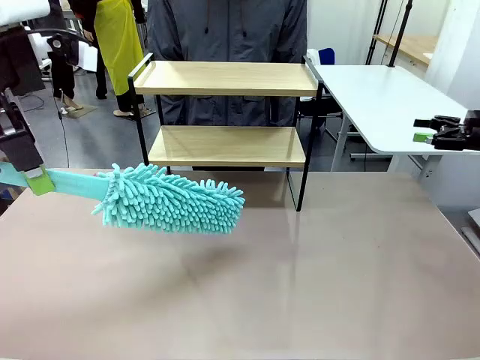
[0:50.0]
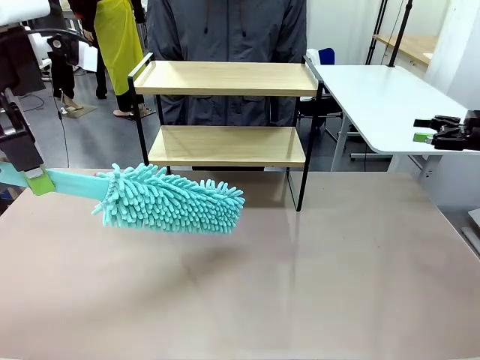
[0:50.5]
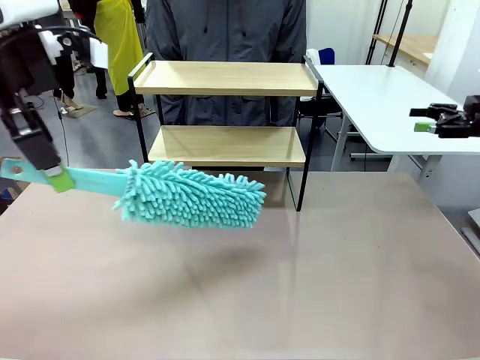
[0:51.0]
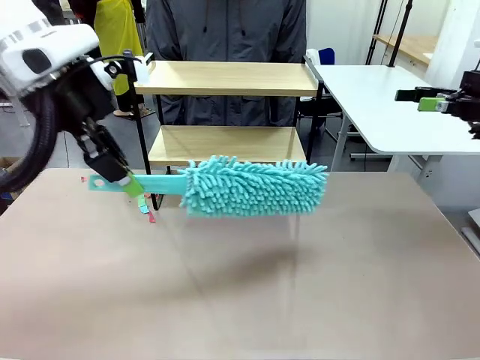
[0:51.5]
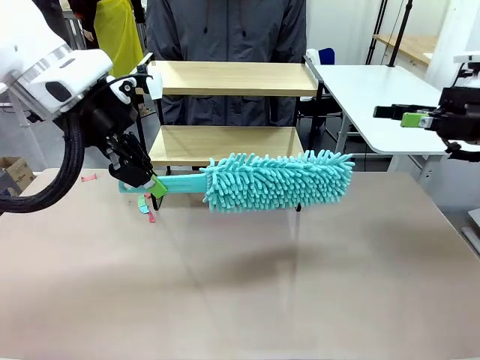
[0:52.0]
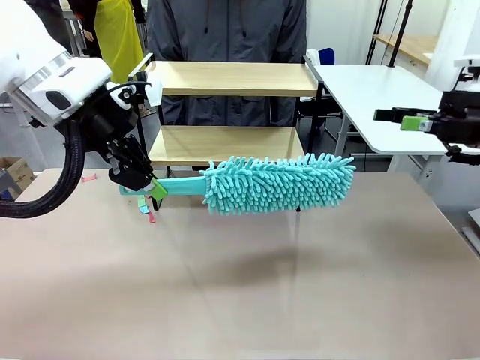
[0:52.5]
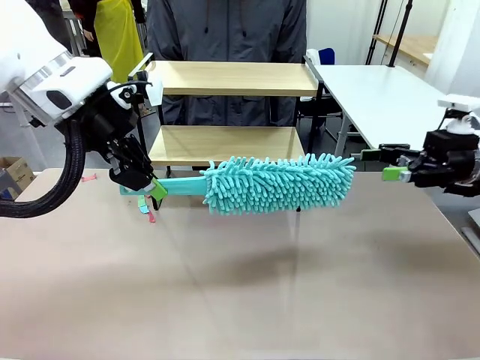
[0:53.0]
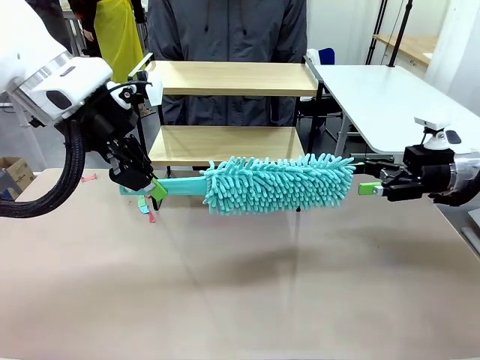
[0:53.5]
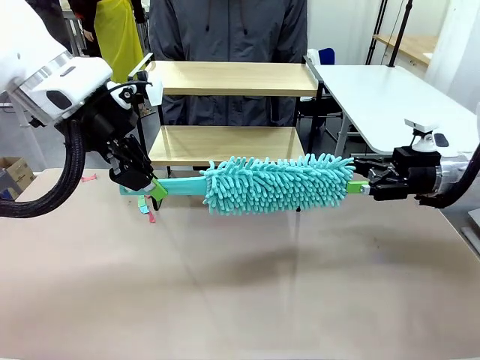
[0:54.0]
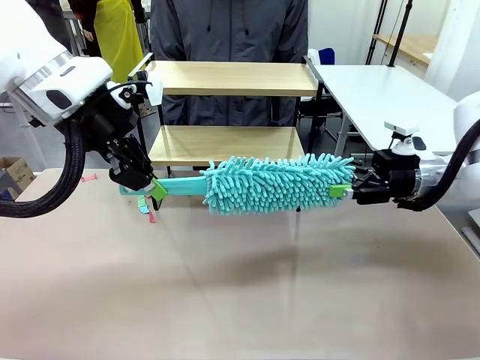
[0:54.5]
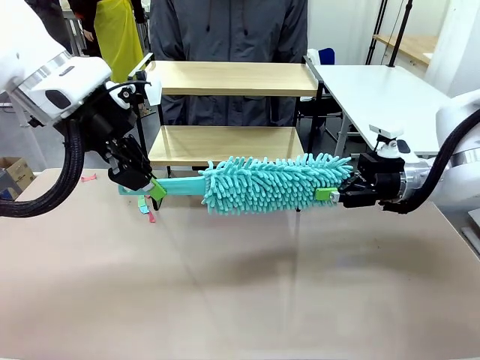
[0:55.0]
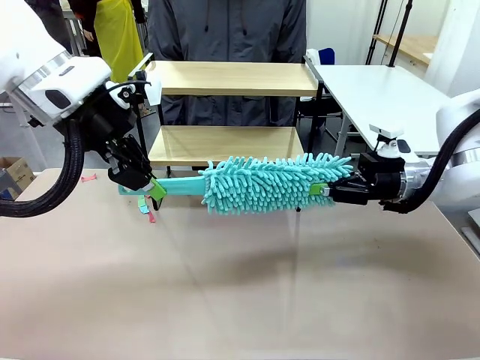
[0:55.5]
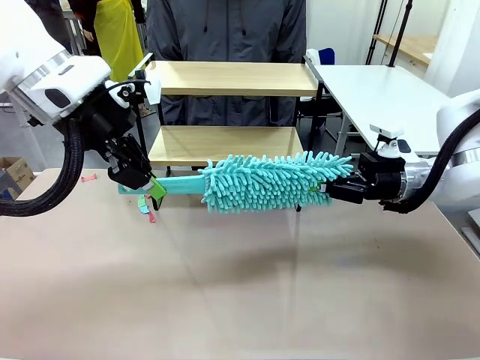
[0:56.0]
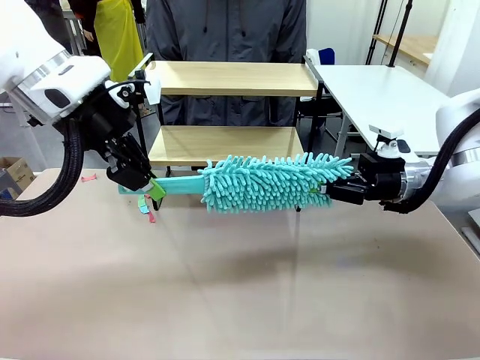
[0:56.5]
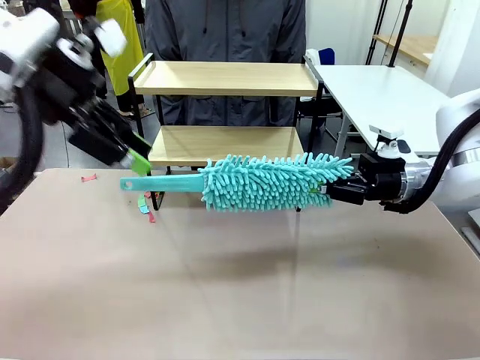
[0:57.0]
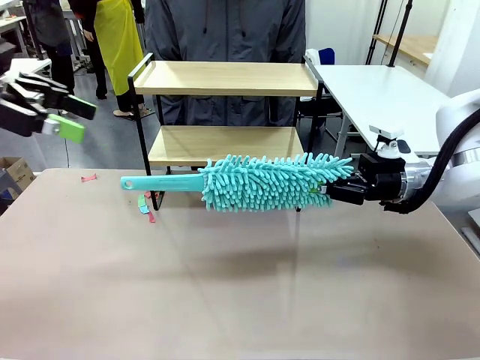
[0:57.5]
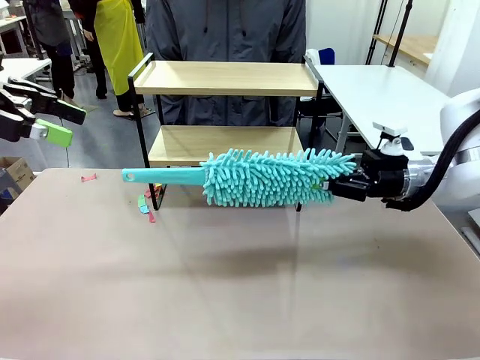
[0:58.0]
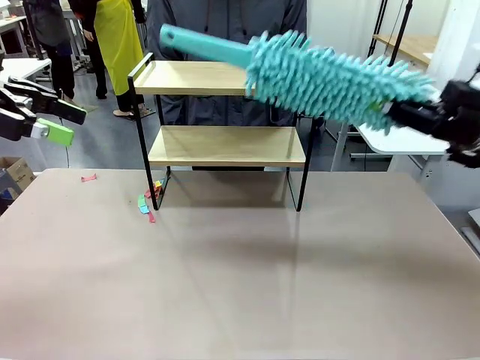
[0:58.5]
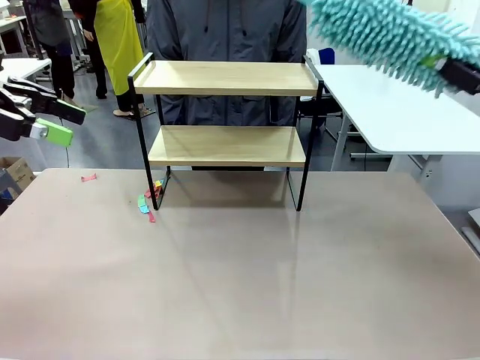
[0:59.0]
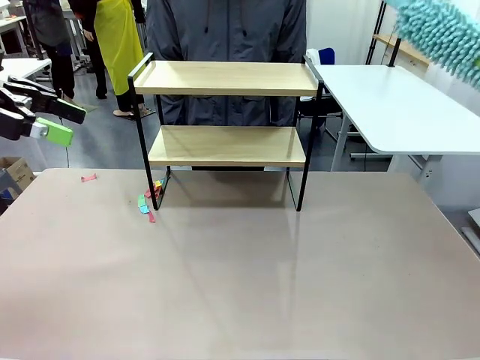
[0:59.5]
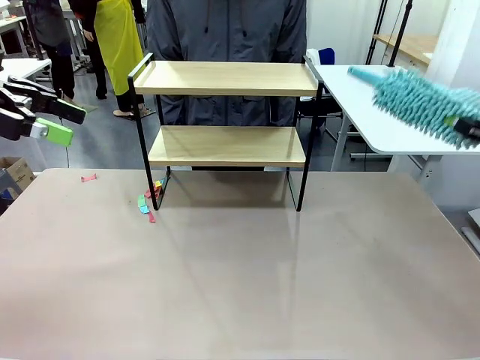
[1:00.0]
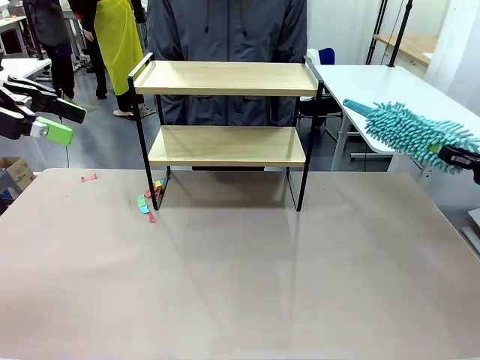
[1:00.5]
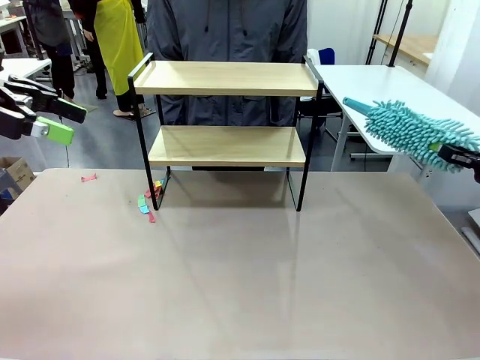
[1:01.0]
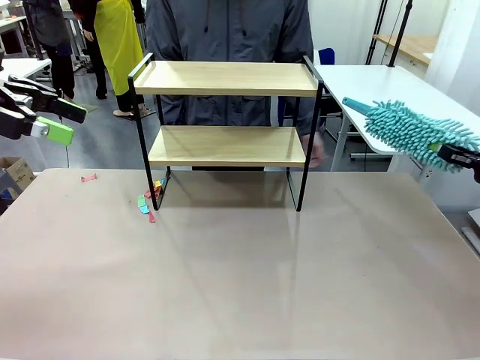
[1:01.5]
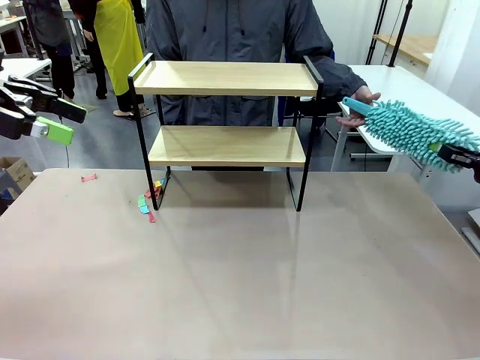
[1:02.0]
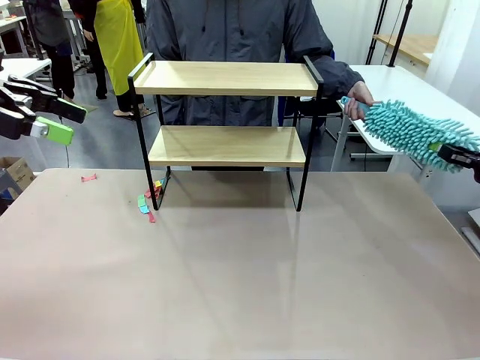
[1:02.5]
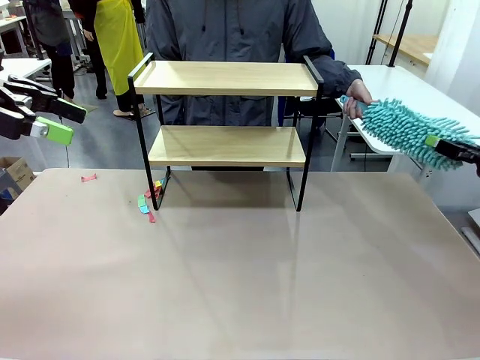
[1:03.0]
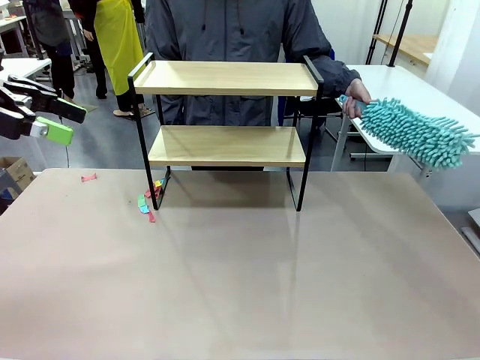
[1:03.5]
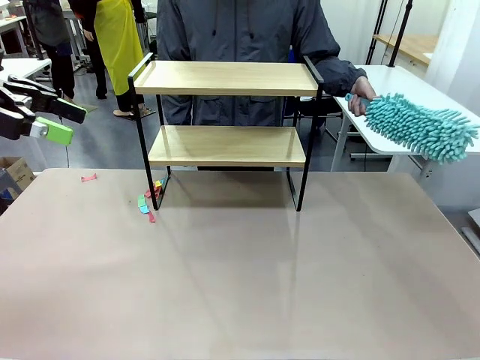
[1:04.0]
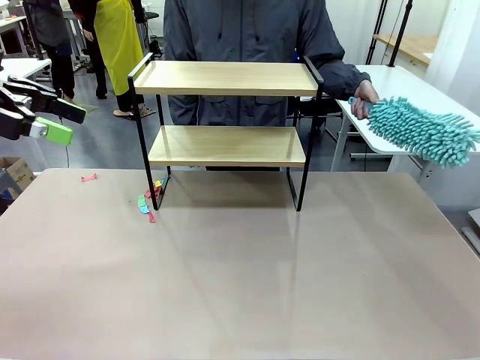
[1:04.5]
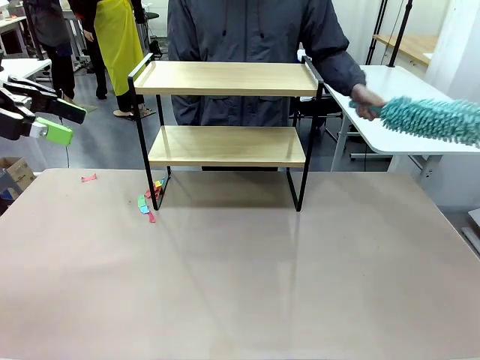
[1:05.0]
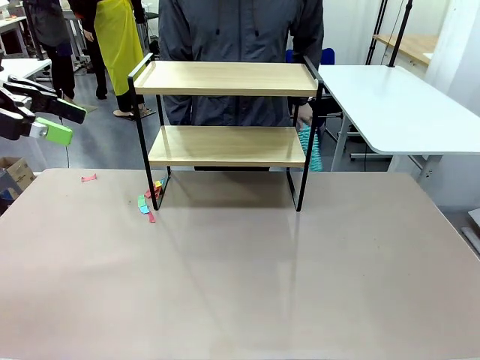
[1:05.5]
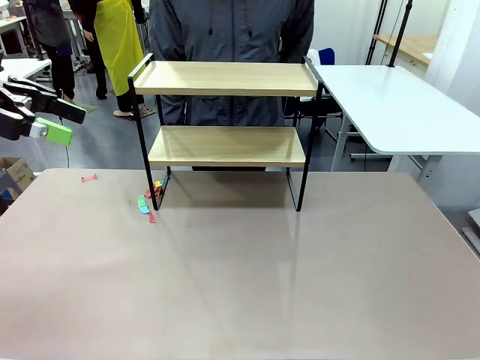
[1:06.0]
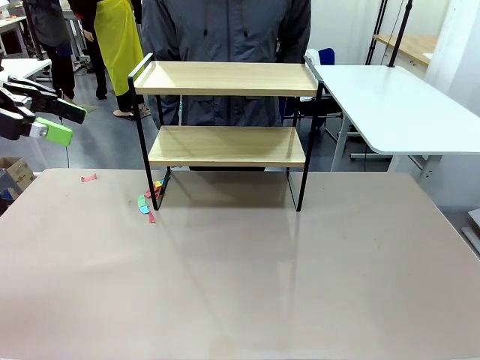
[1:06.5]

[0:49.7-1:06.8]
Task: Clean the shelf.
Robot: Hand the Duster back to the human.
Person: Receive the Duster from the robot.

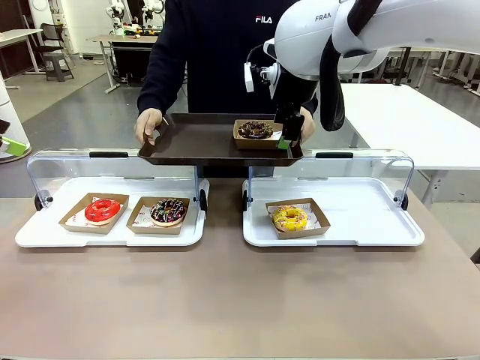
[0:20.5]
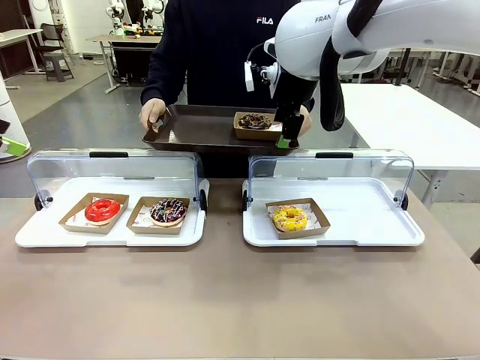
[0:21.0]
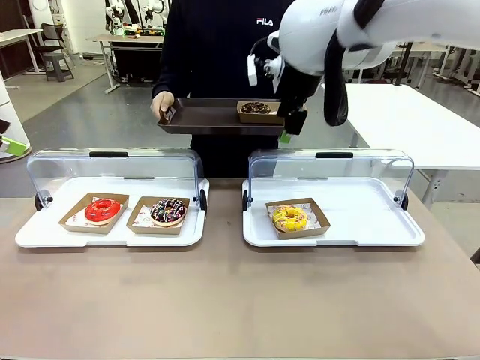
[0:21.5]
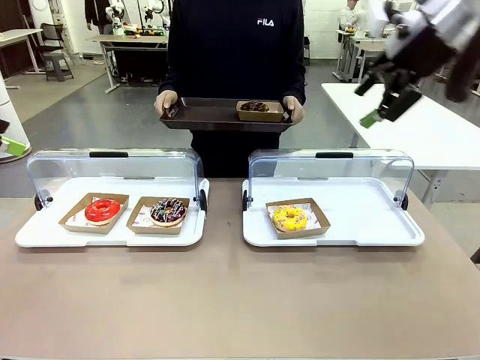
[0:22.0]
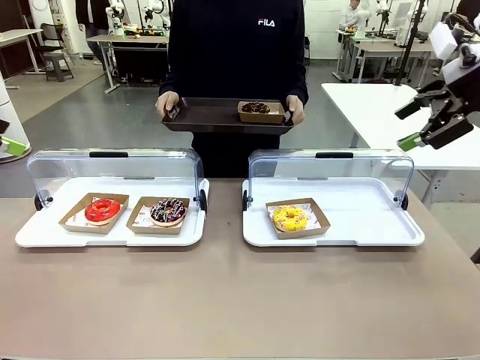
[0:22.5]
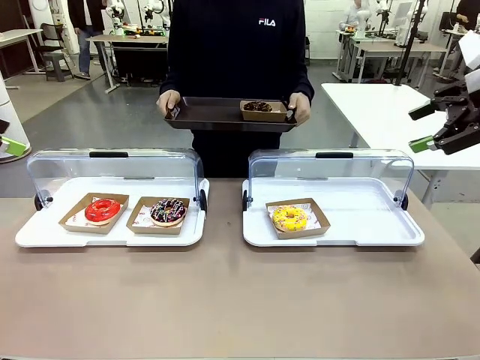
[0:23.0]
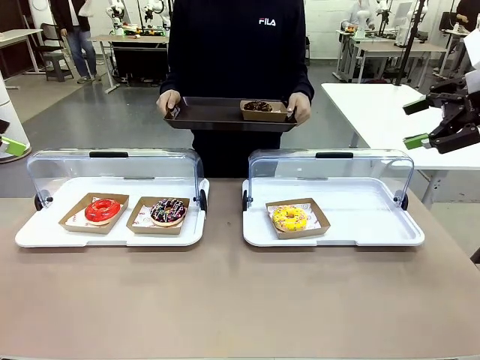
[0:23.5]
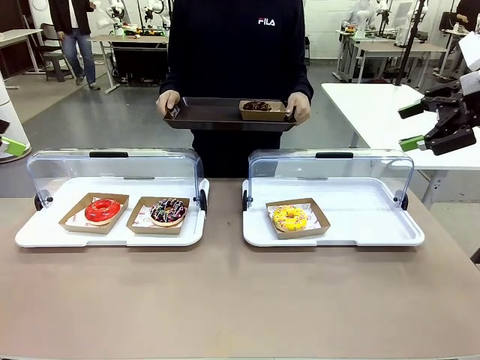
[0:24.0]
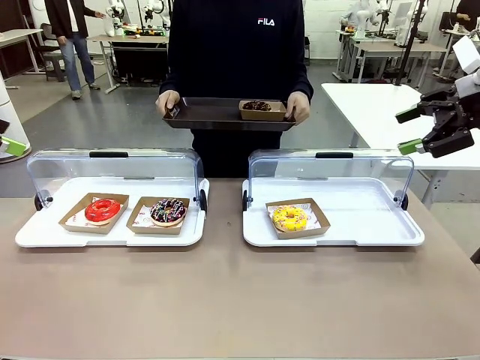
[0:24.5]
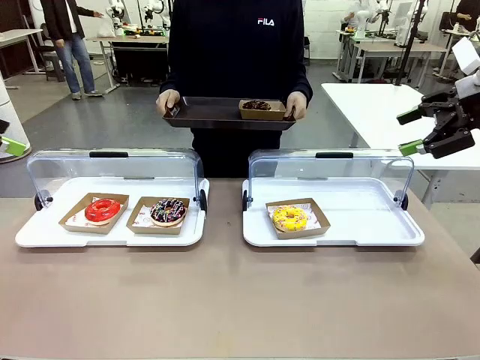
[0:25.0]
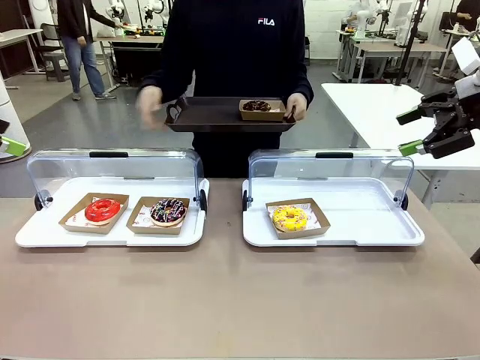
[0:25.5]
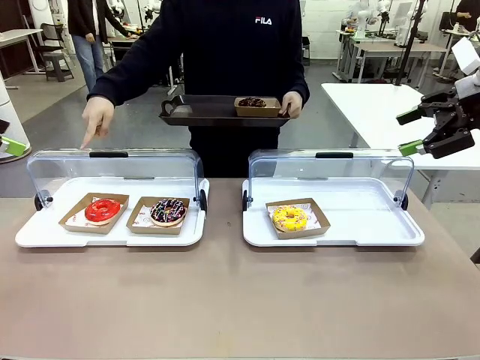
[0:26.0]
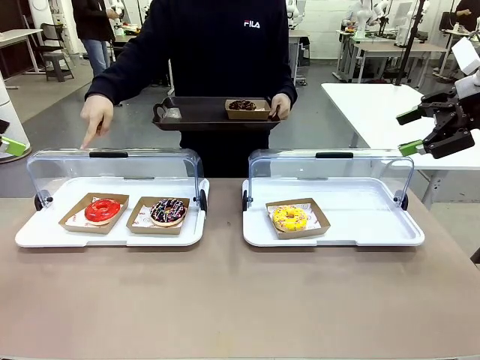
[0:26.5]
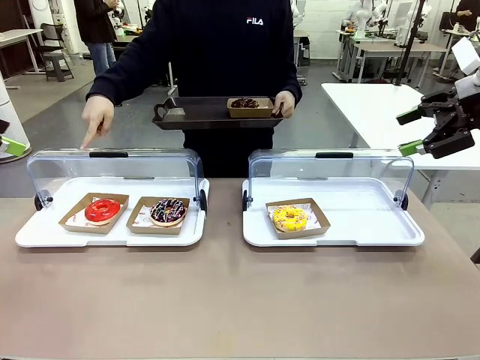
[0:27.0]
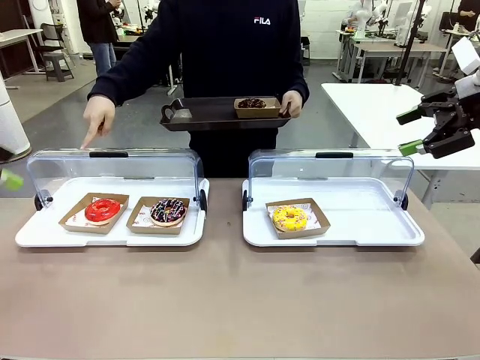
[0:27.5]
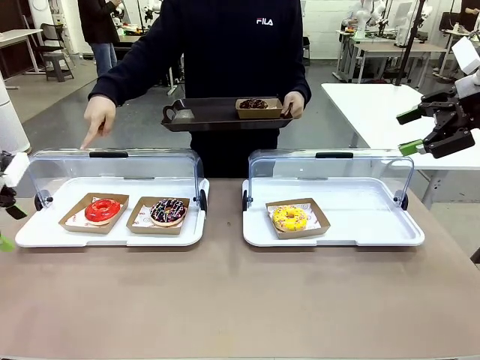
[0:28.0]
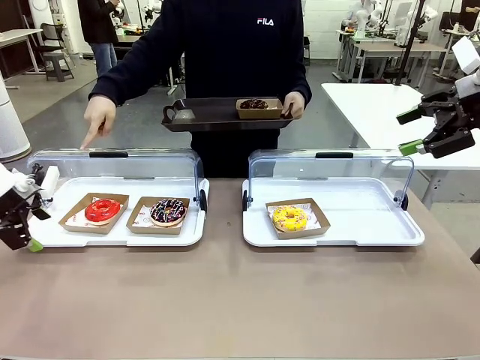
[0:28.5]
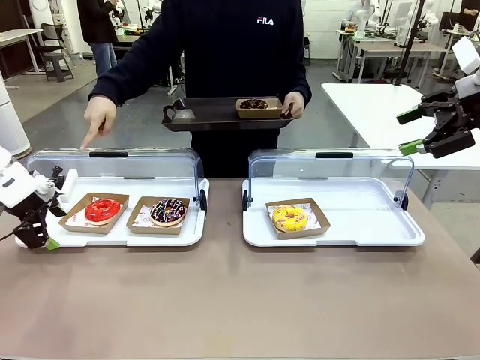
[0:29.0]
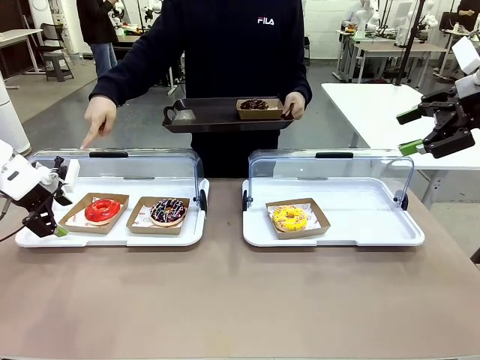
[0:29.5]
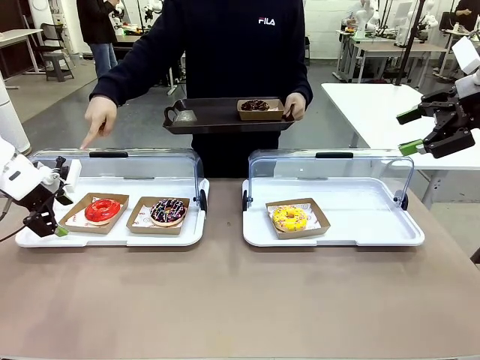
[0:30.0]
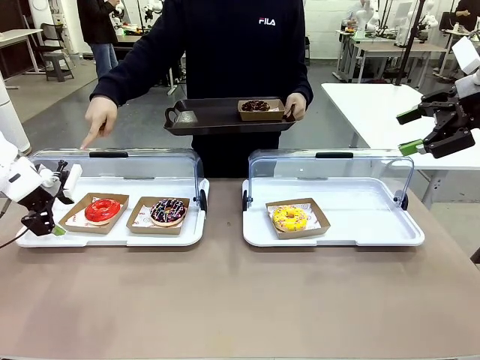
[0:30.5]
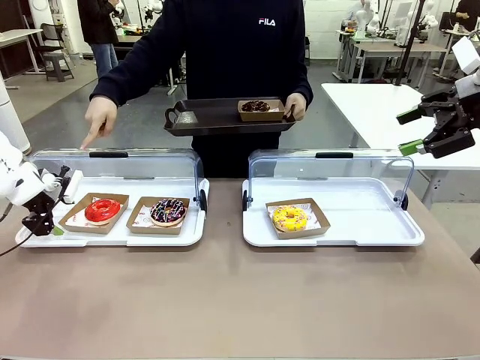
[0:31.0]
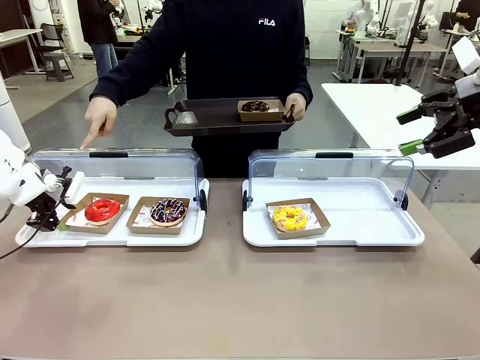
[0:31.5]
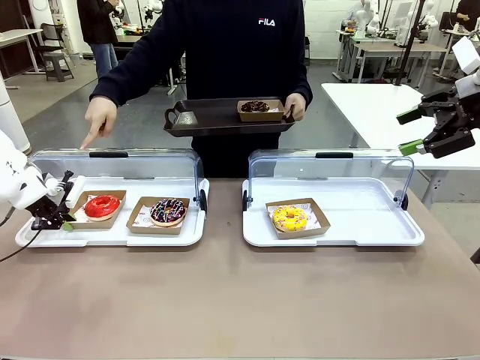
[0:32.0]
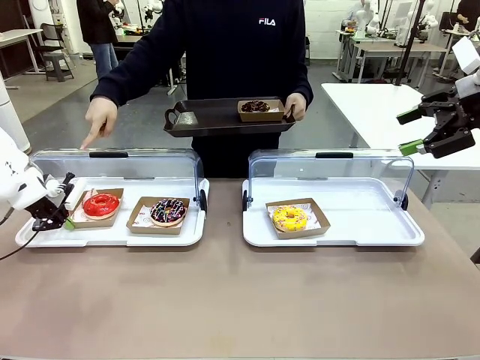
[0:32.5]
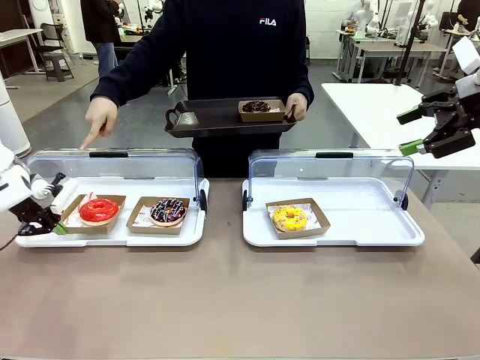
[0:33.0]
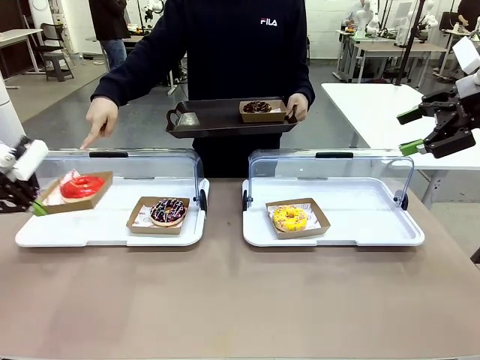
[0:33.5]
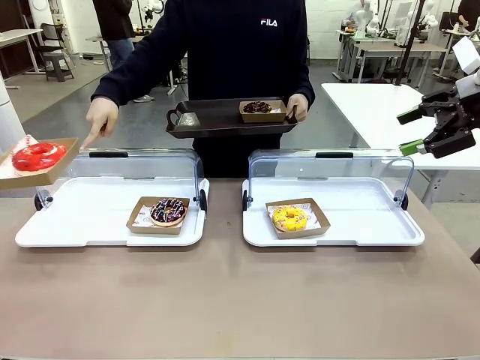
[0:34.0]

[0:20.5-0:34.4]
Task: Provide the desired donut to the person.
Robot: Pick up and lift the Paper togo box containing the Donut pointed at by the person.
Person: Point to one donut. Lift the tray onto the Roll-Top Bakery Case.
